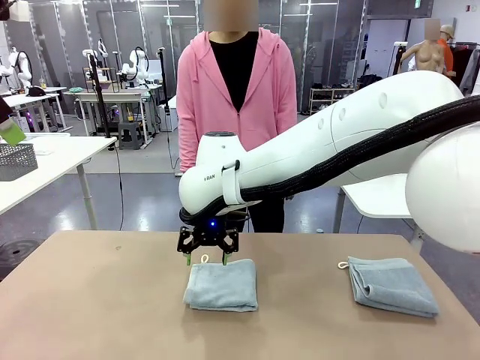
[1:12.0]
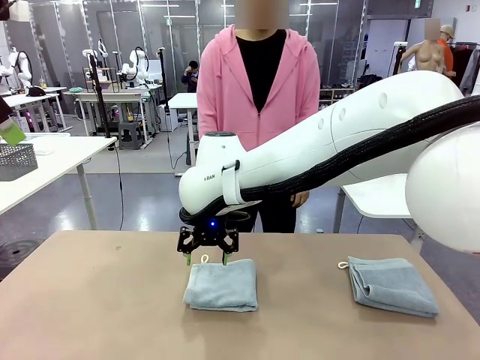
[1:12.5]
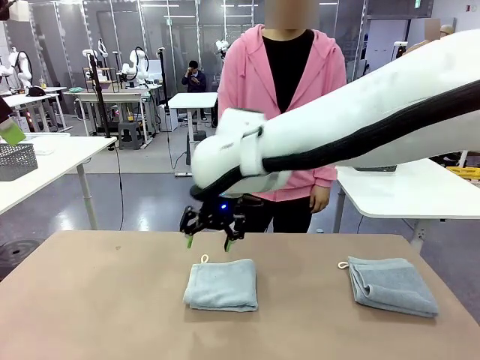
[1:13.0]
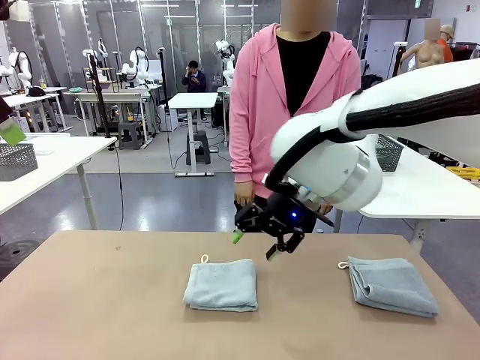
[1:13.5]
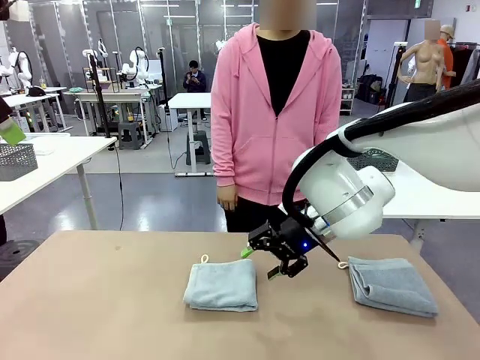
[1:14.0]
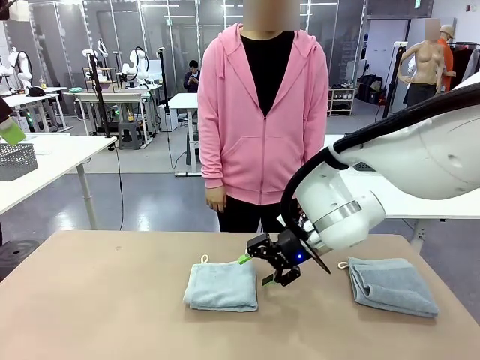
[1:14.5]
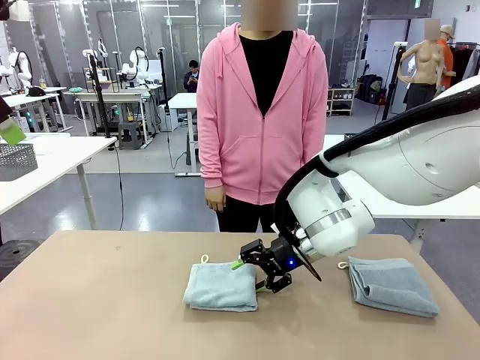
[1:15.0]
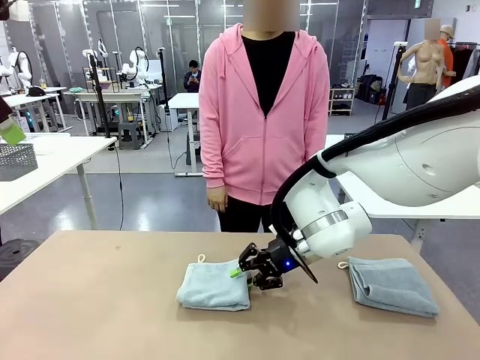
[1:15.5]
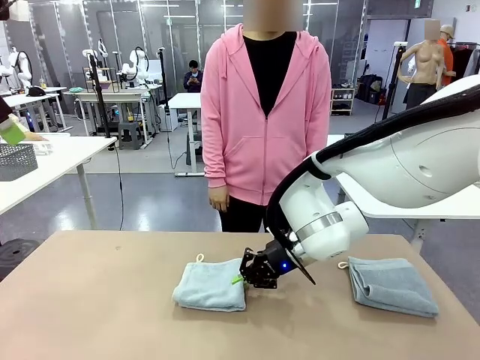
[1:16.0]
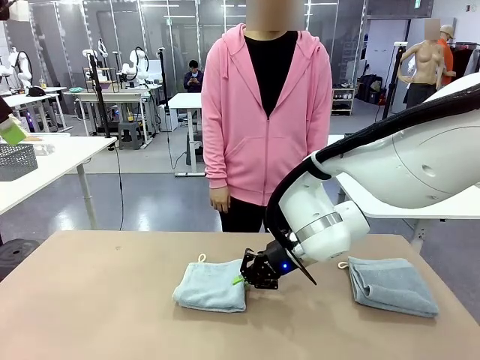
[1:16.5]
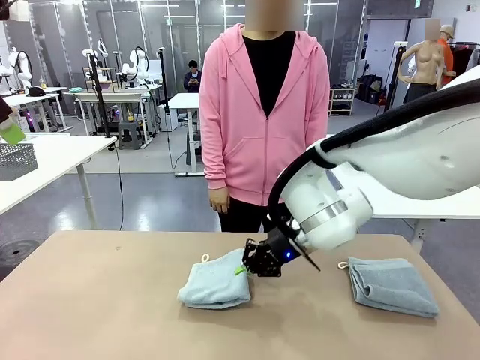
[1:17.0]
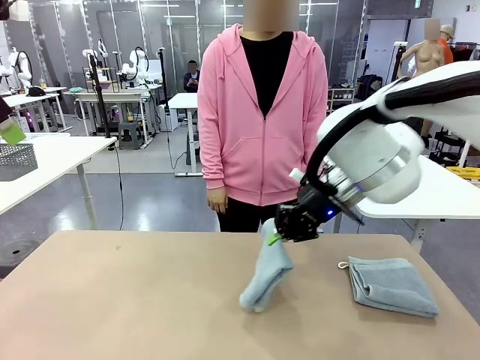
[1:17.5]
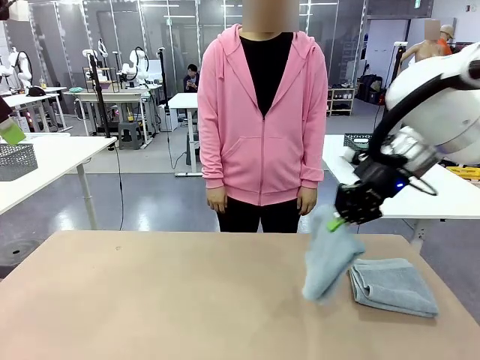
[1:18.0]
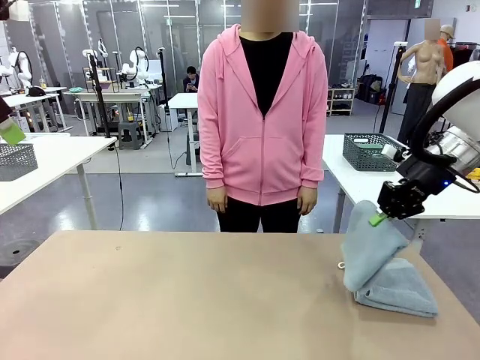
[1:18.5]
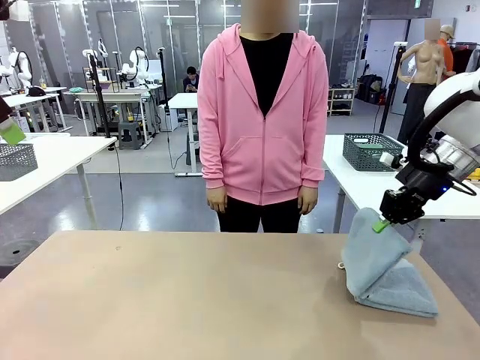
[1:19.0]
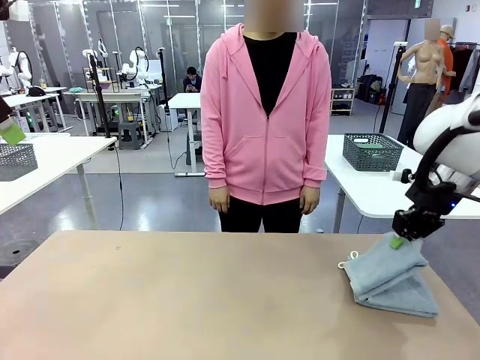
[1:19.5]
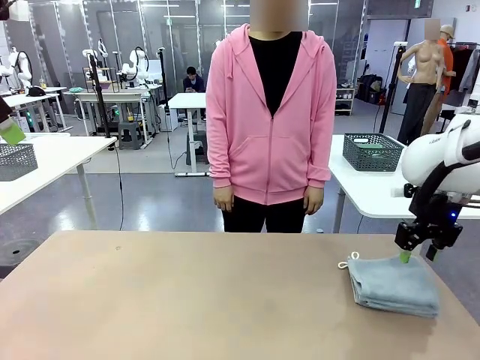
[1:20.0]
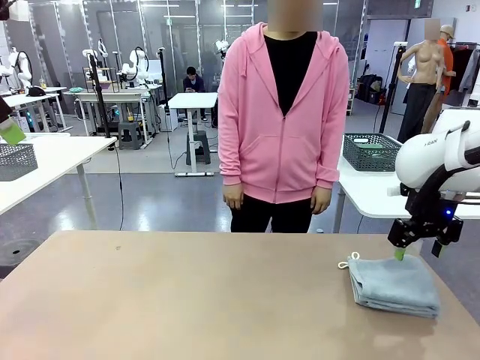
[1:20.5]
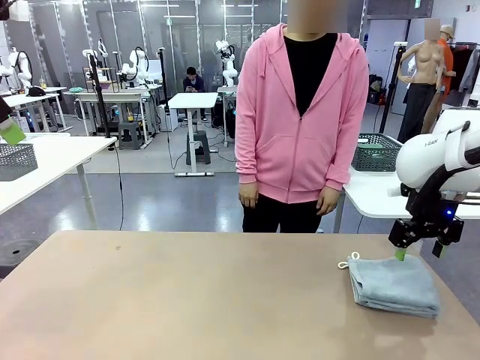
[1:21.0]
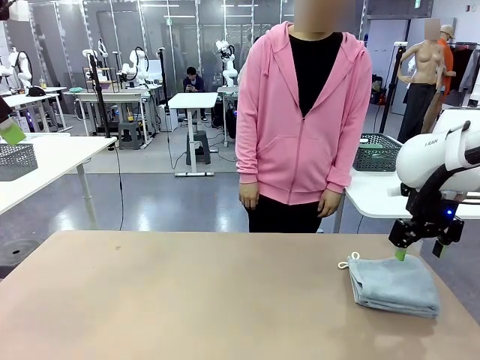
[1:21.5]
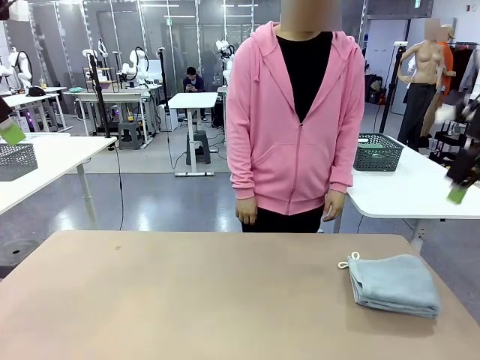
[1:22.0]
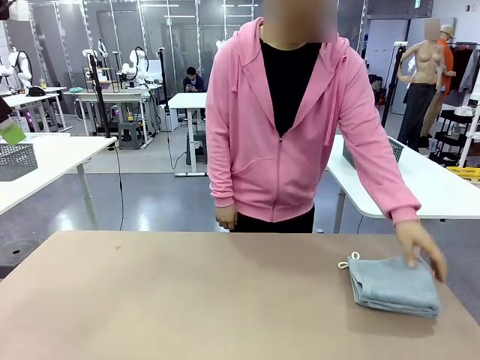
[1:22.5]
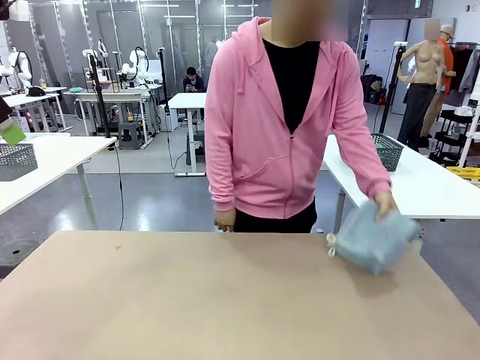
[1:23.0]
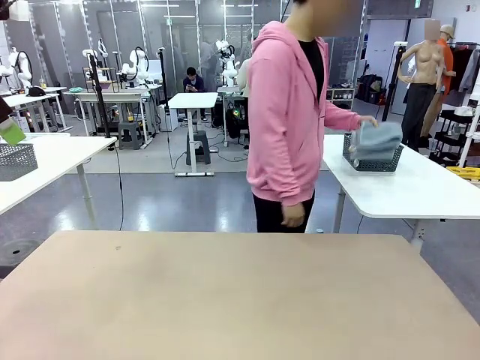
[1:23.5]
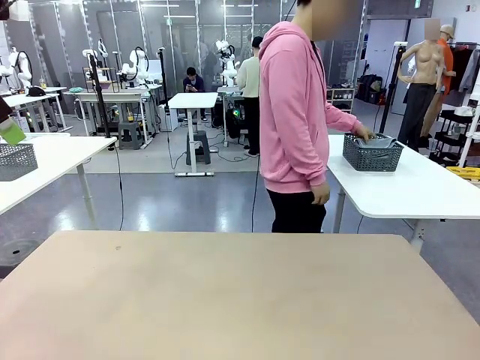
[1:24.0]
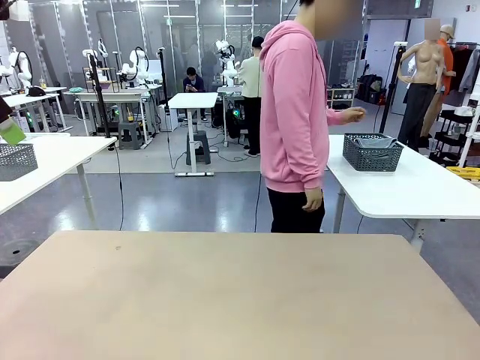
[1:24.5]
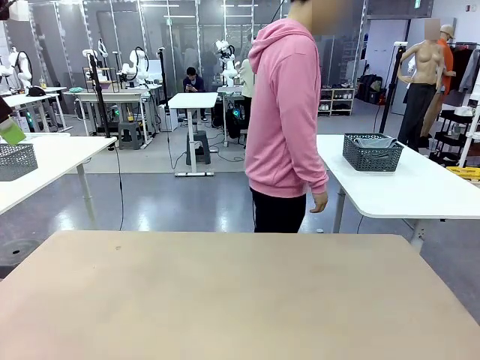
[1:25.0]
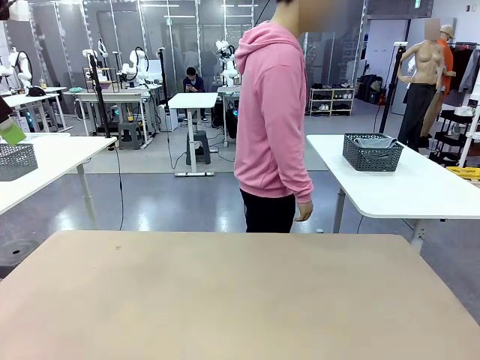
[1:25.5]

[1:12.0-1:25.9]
Task: Fold the towels and place them in the basket.
Robot: Stack the folded Towel with hook on the right side of the table.
Person: Pick up the stack of towels from the robot table and place it into the basket.

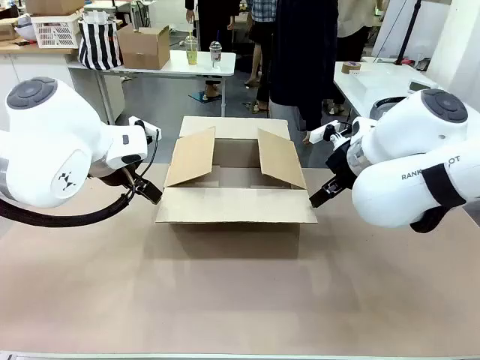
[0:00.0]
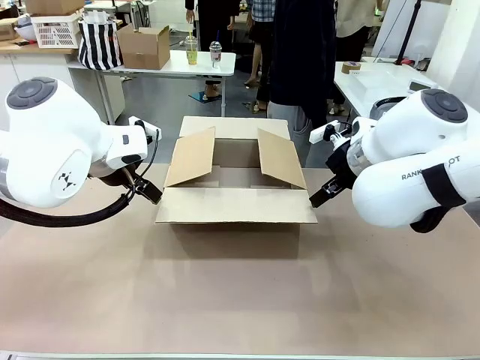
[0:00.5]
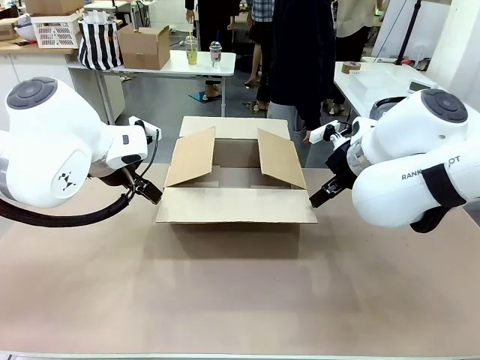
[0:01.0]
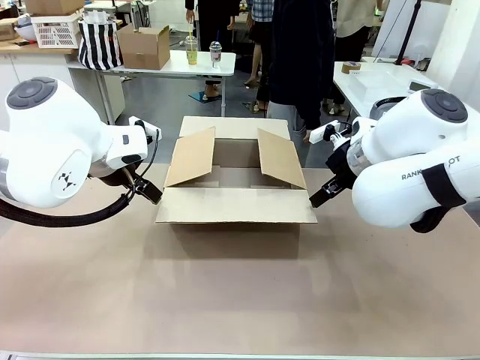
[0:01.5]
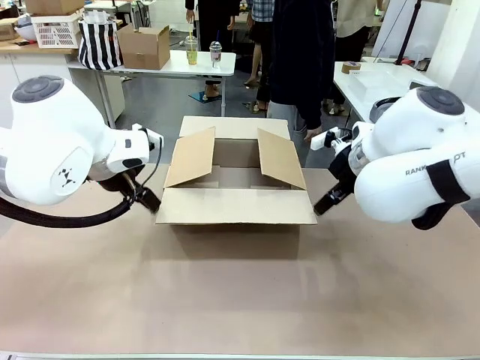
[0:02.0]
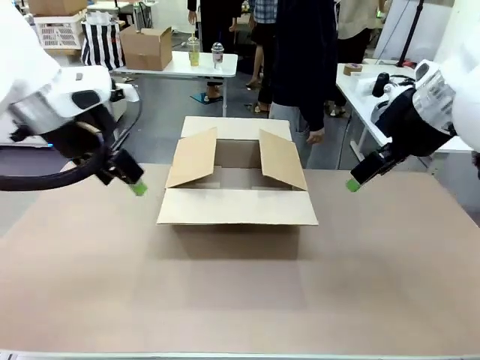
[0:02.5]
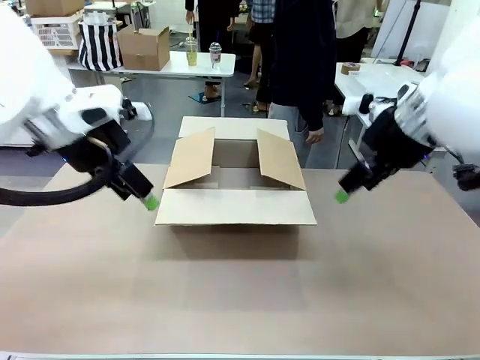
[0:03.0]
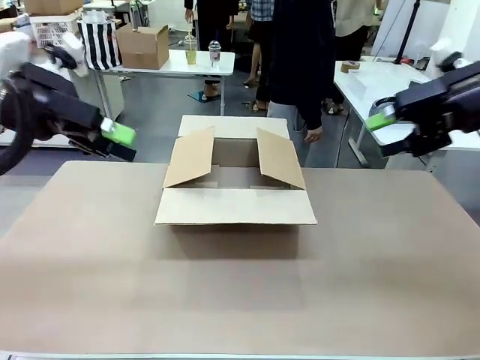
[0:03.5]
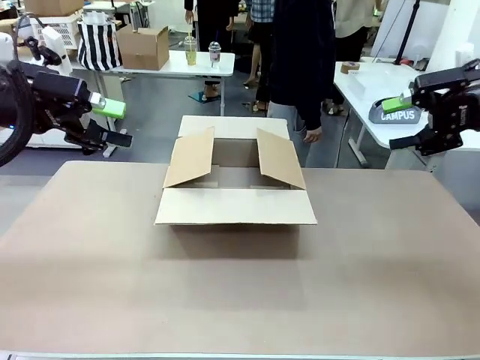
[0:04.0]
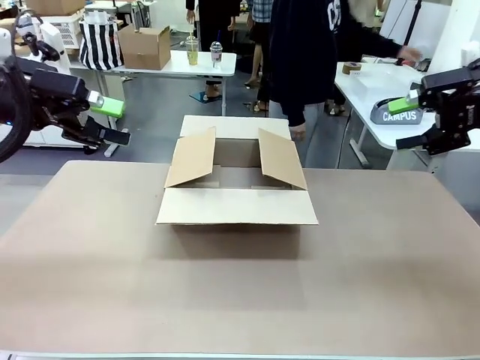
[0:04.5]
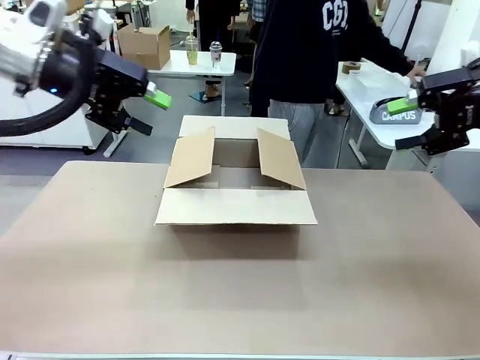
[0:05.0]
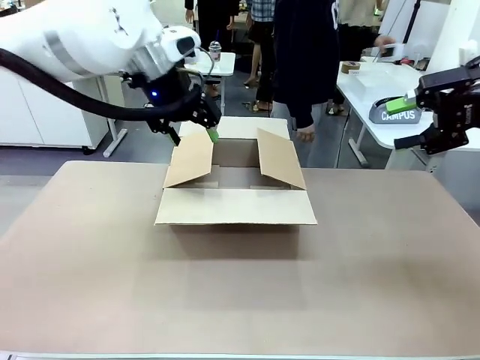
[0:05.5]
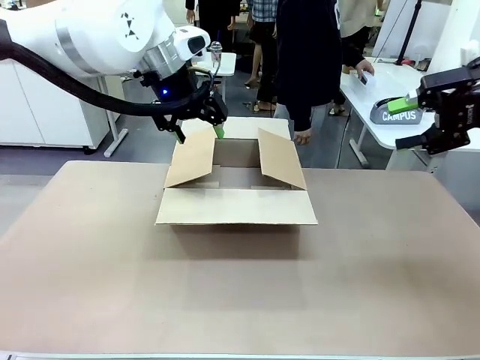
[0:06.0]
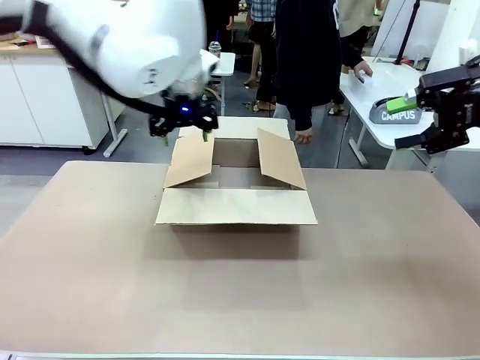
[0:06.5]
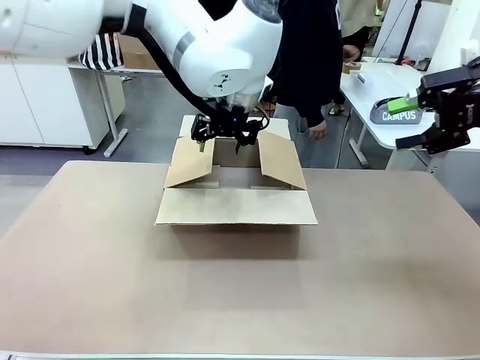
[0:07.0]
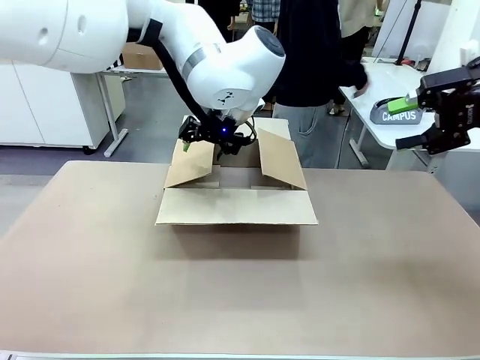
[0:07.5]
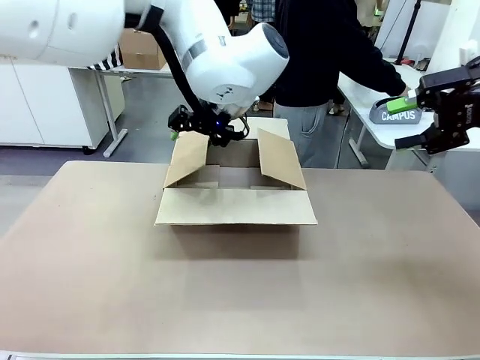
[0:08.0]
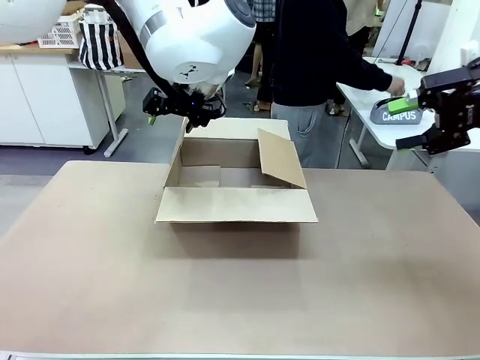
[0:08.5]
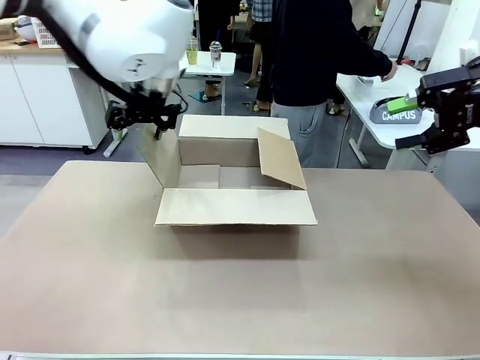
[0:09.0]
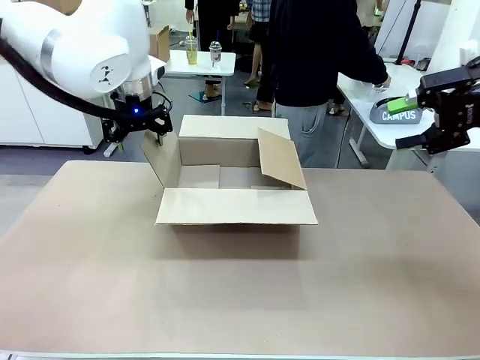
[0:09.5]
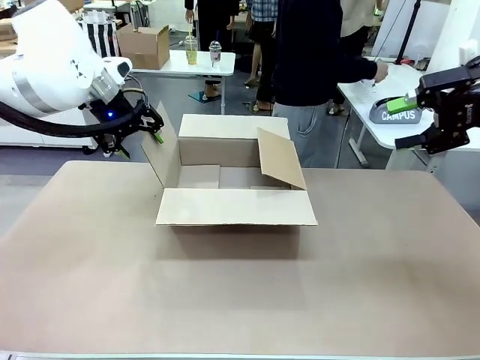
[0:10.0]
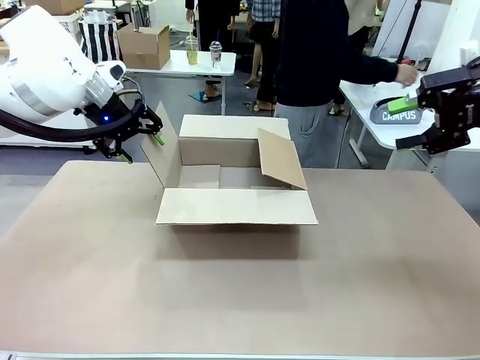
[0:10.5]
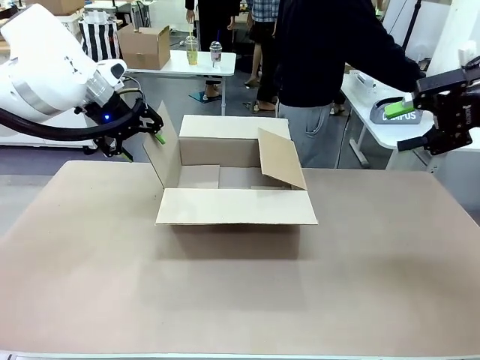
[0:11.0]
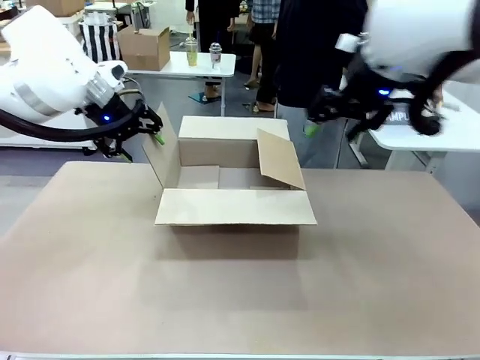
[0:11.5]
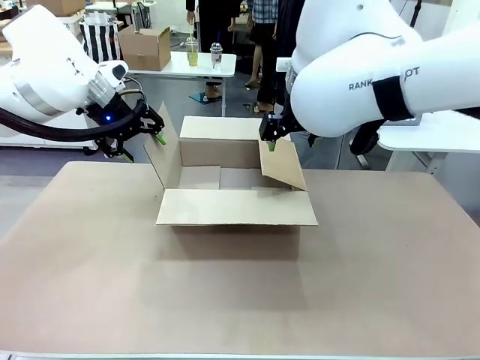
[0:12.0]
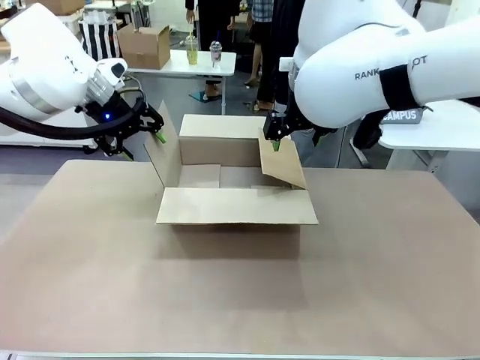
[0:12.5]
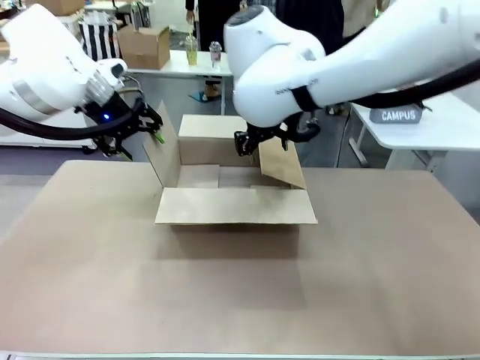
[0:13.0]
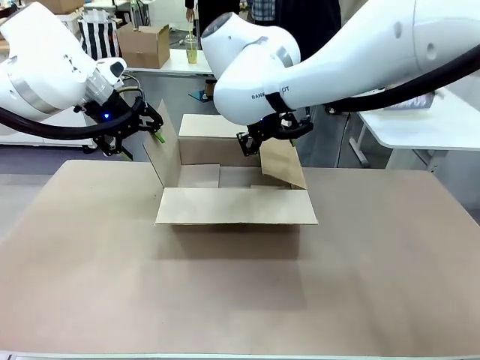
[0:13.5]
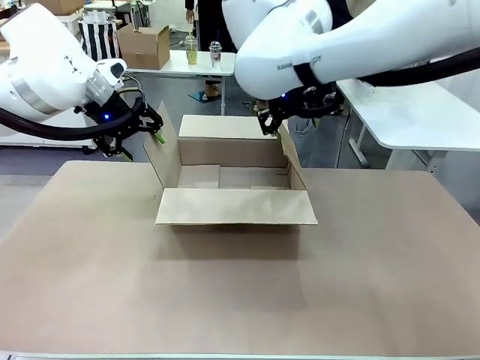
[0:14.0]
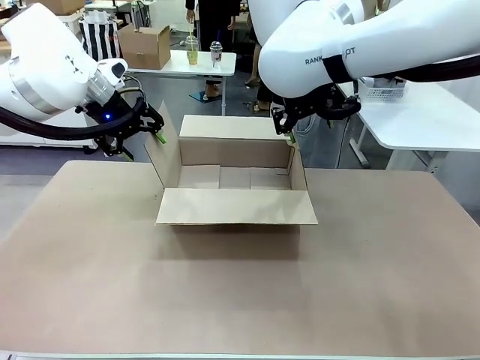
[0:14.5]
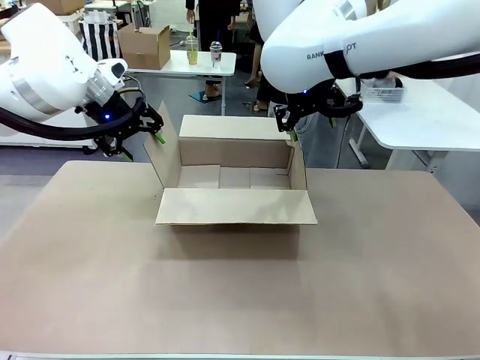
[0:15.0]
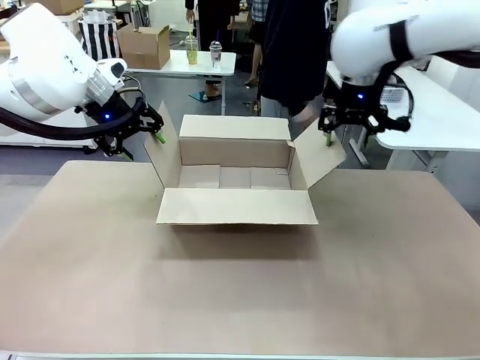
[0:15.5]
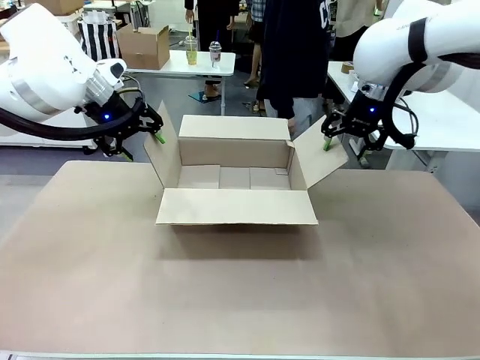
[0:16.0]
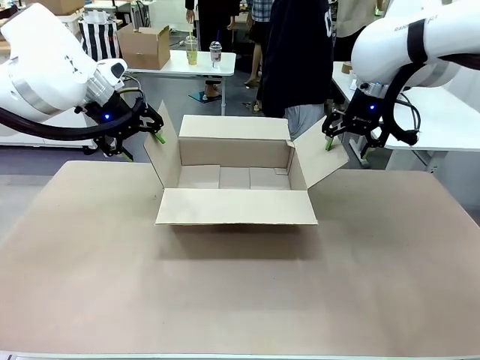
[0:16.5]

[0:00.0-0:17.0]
Task: Pack the gift set into the box.
Robot: Place both hands on the side flaps of the Package Box and spread them outward.
Person: The human places all items except the paper tape into the organizing basket.
